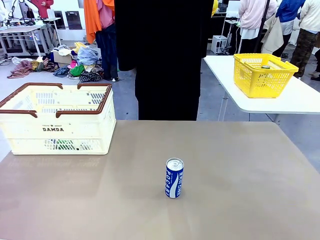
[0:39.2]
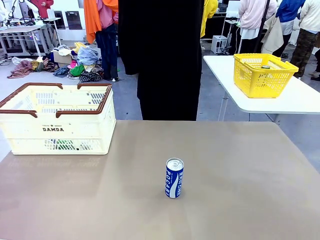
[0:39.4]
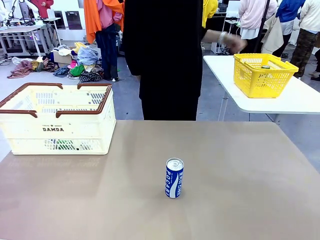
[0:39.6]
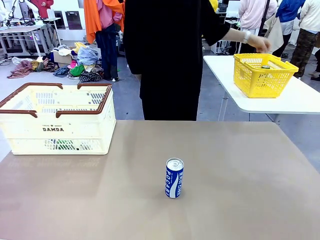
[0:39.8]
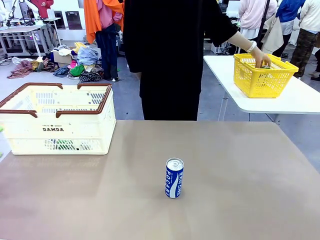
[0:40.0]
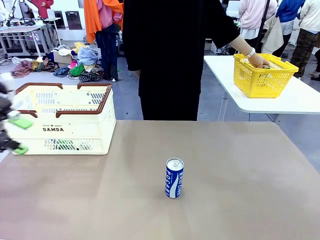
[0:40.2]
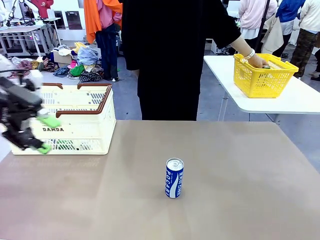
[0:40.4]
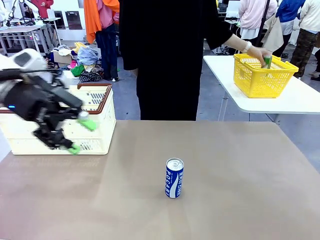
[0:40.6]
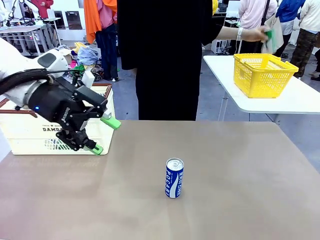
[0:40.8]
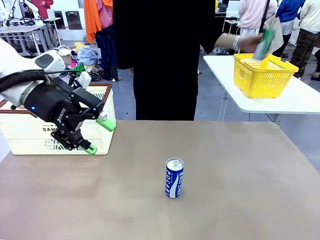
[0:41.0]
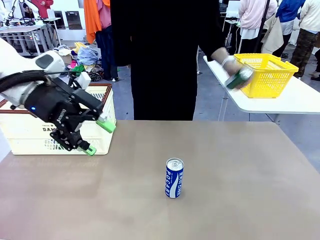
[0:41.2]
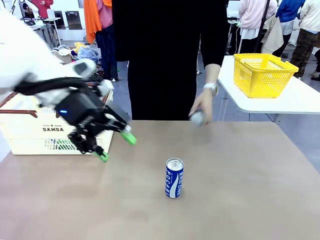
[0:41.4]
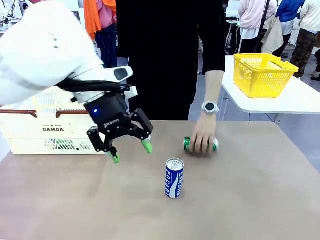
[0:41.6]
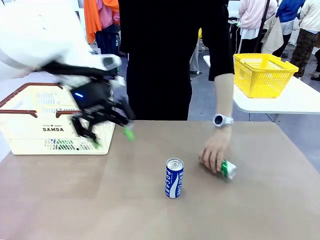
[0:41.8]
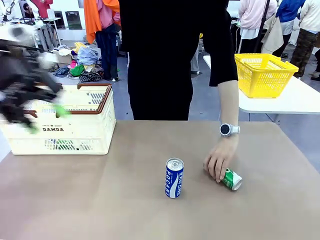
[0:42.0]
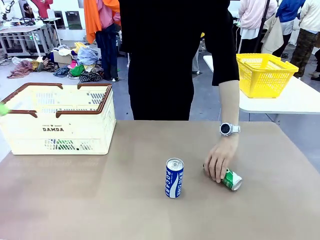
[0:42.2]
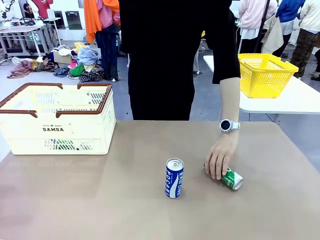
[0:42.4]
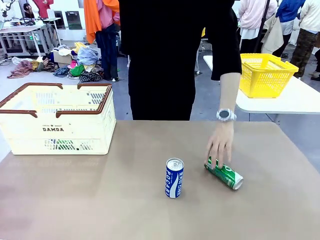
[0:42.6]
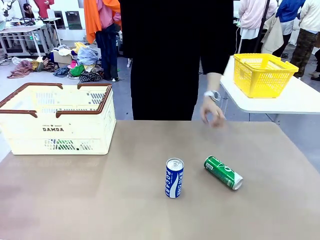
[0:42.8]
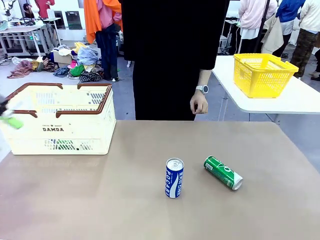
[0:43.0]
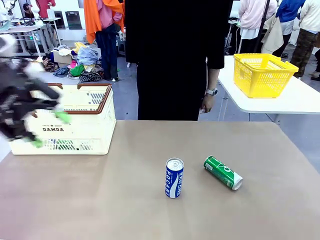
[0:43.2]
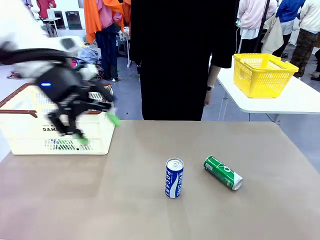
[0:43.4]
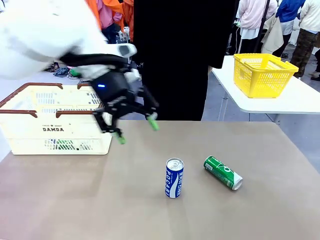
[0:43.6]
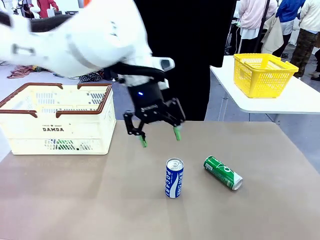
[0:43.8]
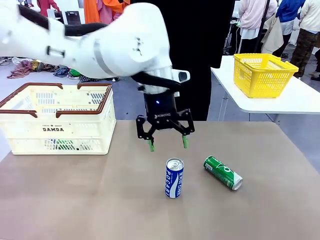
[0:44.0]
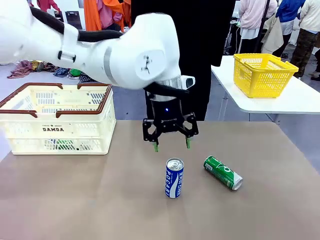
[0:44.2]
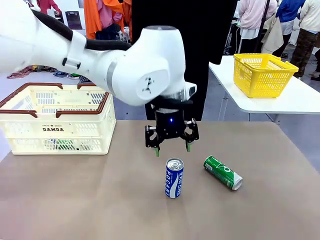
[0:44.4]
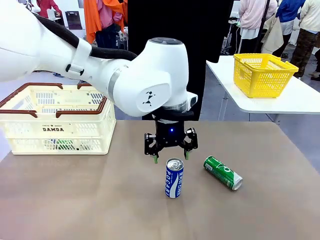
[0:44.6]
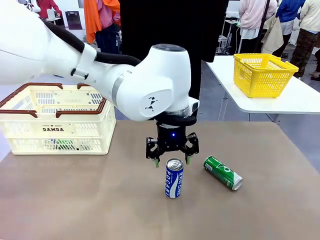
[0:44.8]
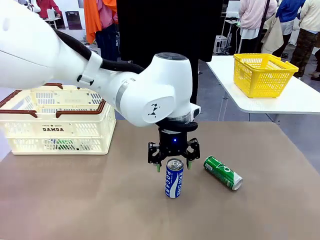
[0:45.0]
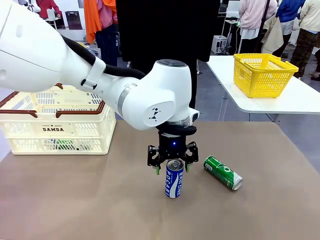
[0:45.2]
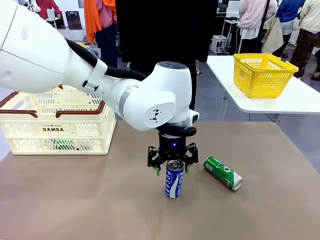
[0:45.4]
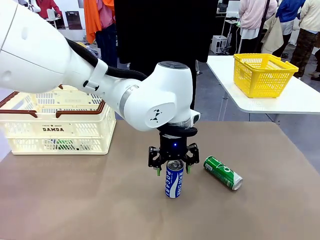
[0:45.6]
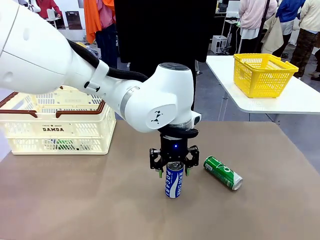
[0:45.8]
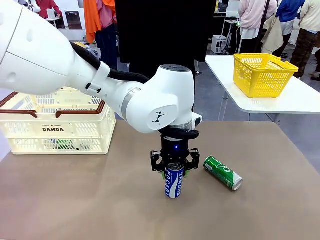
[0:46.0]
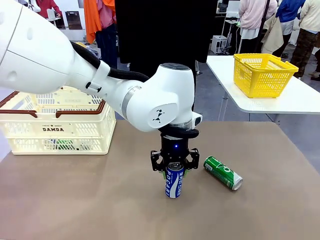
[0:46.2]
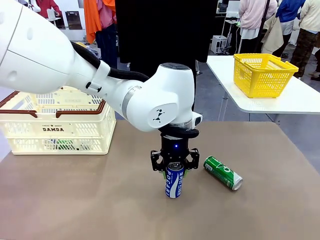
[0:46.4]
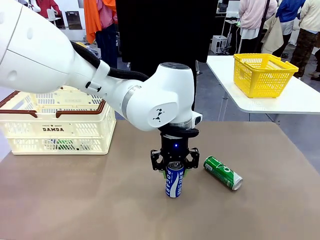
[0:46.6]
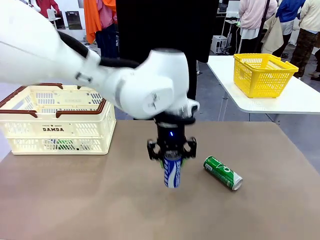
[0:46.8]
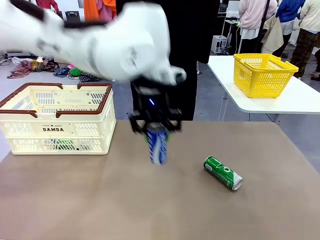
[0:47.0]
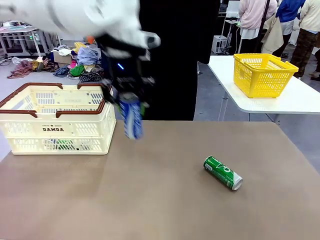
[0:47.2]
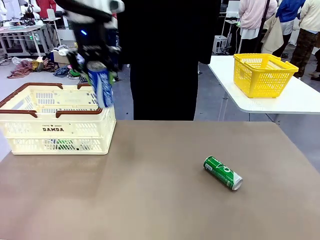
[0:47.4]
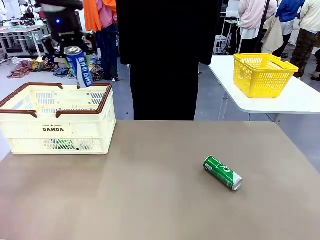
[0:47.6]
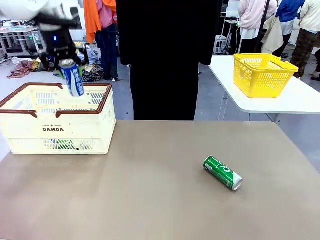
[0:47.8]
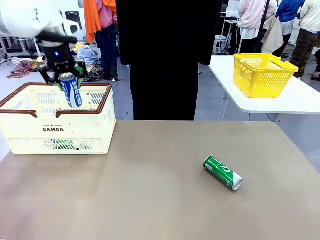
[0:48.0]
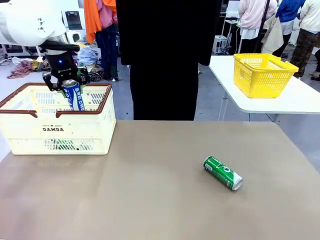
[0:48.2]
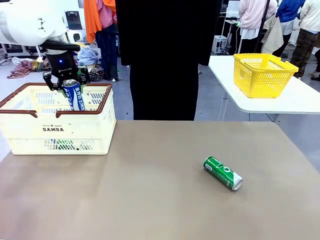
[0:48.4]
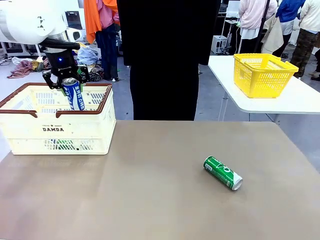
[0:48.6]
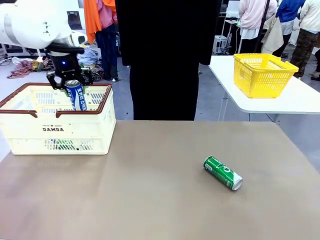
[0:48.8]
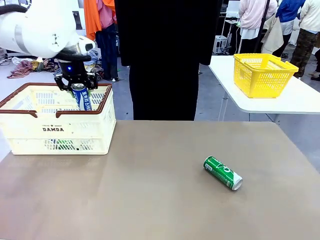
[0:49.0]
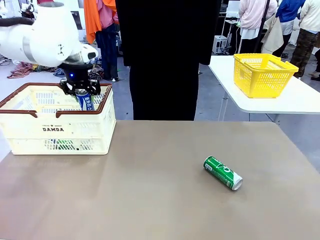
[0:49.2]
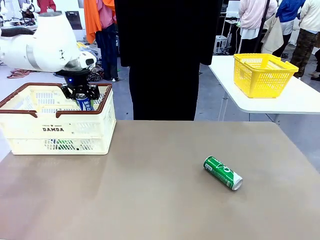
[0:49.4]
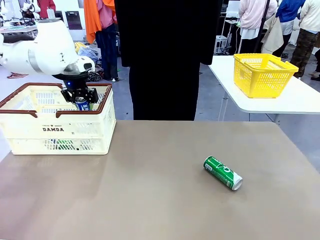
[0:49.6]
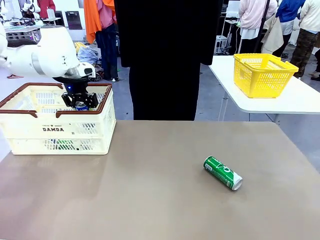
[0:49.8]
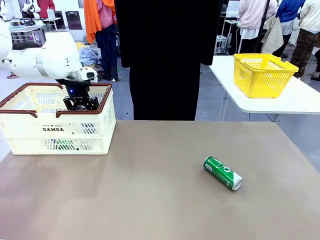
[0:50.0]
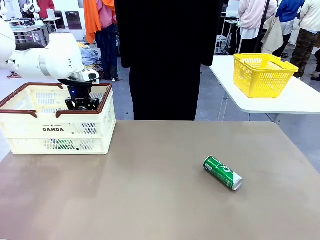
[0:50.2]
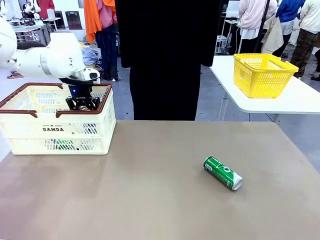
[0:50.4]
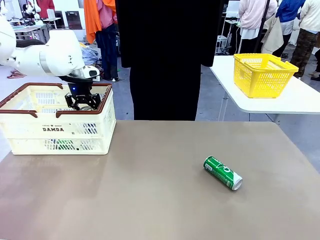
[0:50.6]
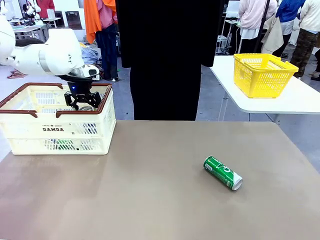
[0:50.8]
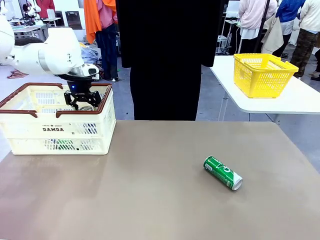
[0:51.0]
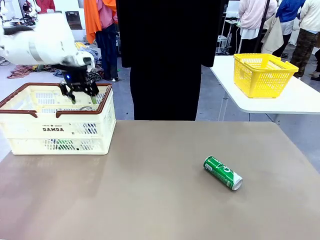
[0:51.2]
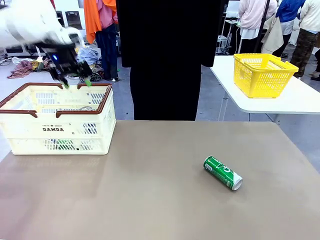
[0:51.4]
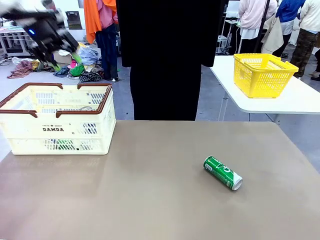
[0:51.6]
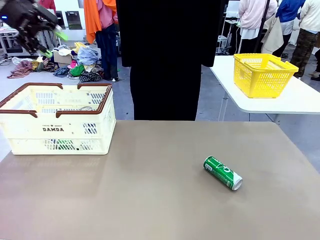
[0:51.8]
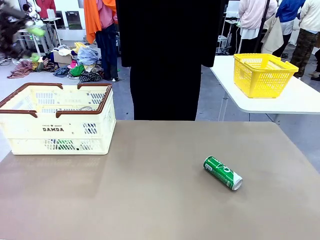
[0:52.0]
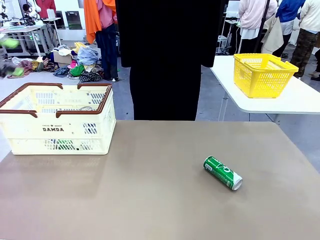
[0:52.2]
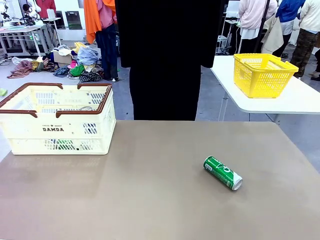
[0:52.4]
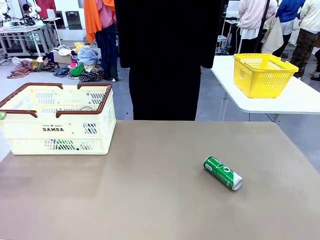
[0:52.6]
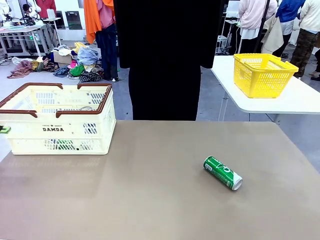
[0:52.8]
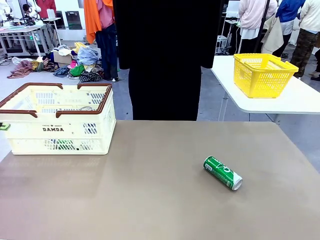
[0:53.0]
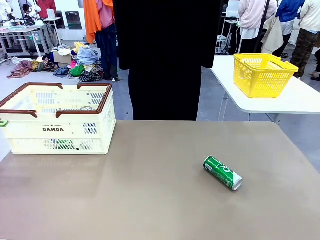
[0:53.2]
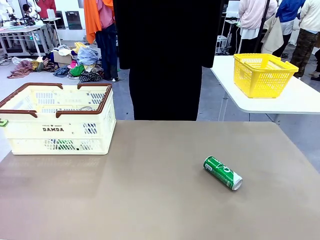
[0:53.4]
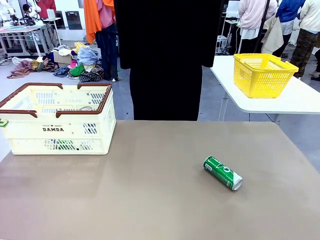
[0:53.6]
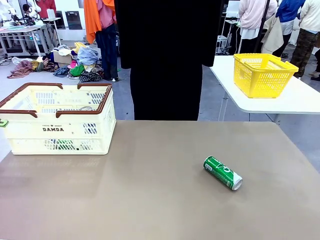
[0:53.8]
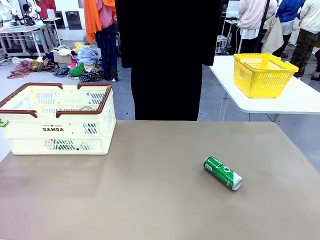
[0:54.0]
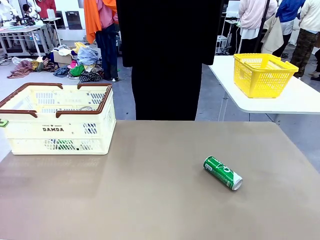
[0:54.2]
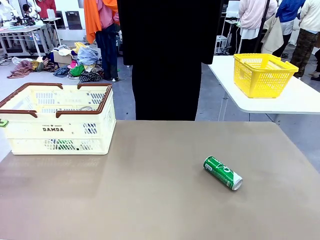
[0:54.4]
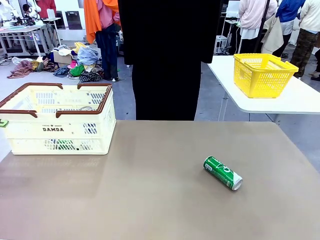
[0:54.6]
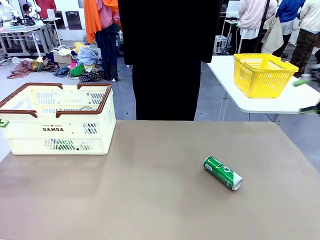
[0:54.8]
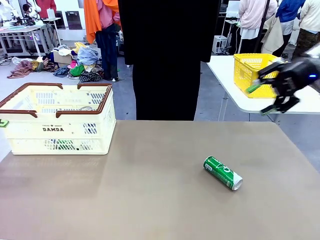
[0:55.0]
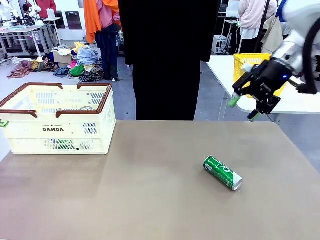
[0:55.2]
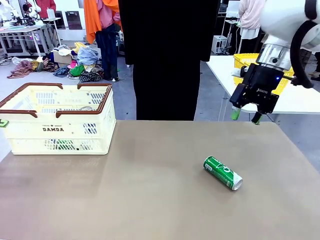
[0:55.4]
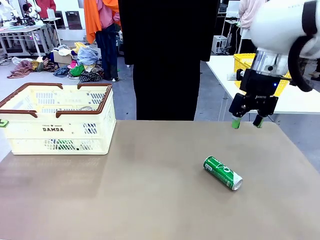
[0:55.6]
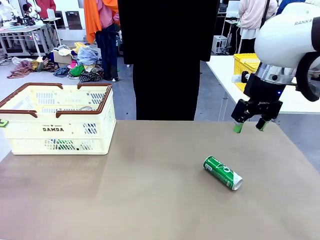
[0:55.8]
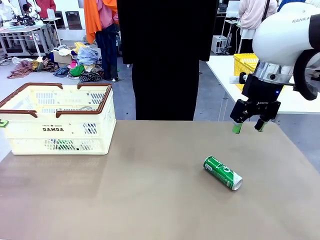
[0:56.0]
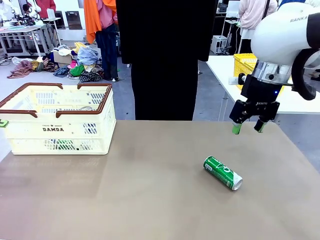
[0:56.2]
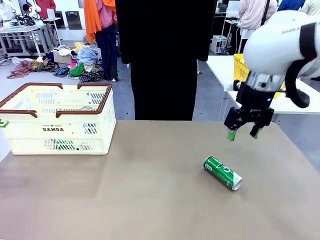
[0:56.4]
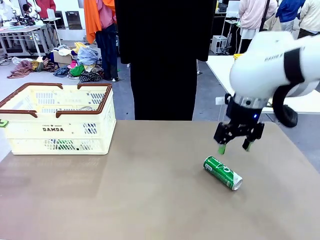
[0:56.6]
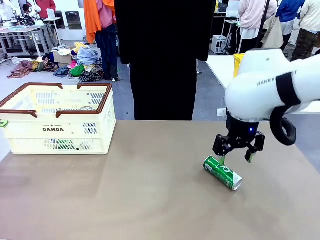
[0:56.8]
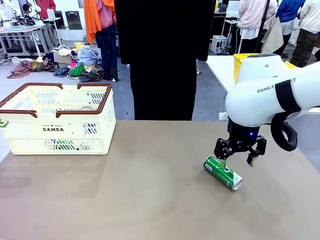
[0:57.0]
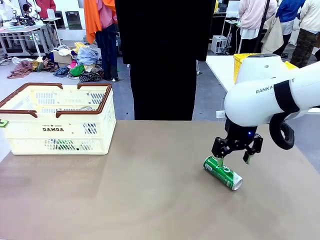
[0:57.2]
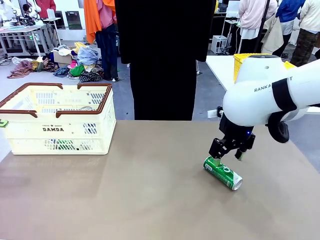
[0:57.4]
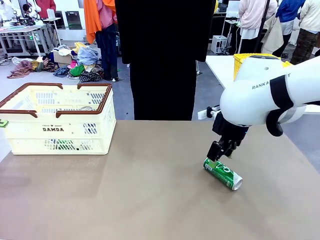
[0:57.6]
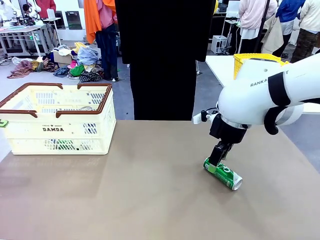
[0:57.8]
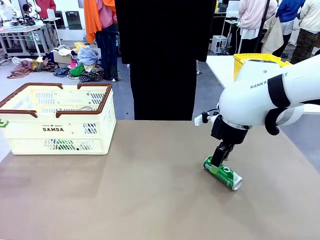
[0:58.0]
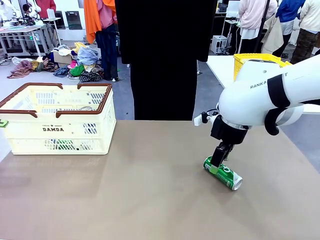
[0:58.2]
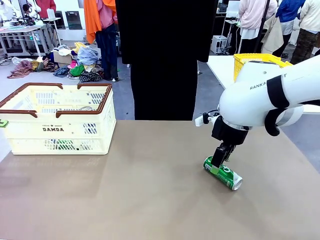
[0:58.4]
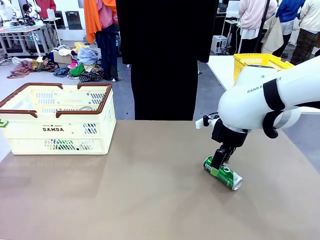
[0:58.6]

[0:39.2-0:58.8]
Task: Place the drinks into the Shopping basket.
Robot: Pick up one drink and place it into the Shopping basket.
